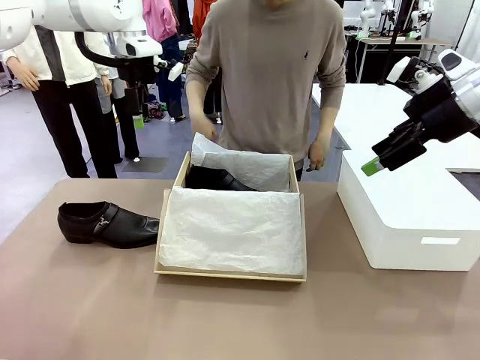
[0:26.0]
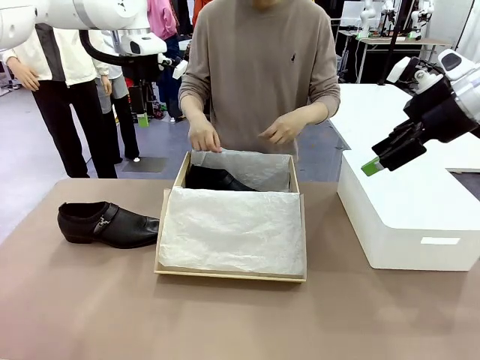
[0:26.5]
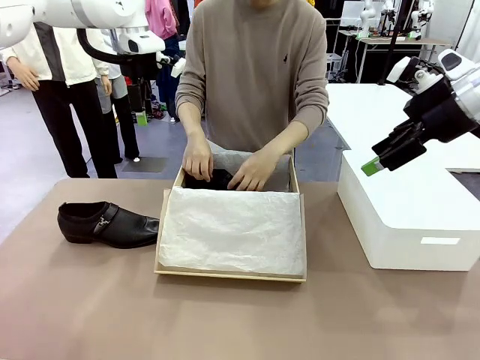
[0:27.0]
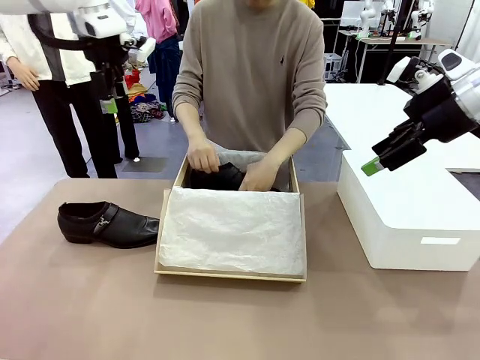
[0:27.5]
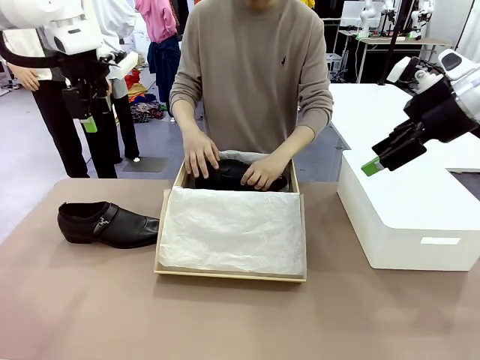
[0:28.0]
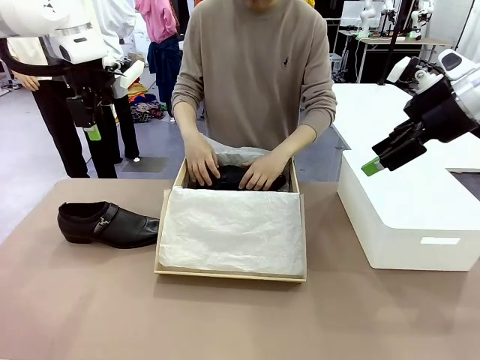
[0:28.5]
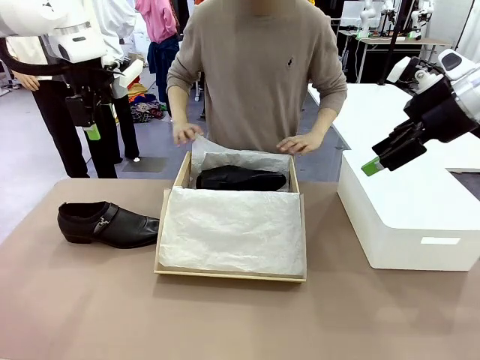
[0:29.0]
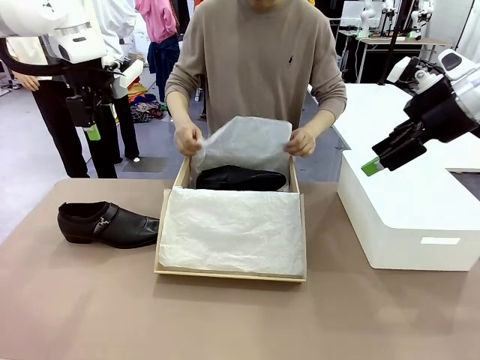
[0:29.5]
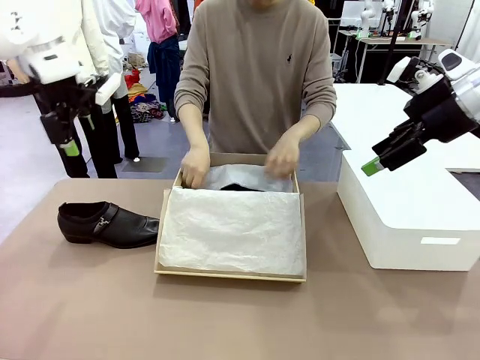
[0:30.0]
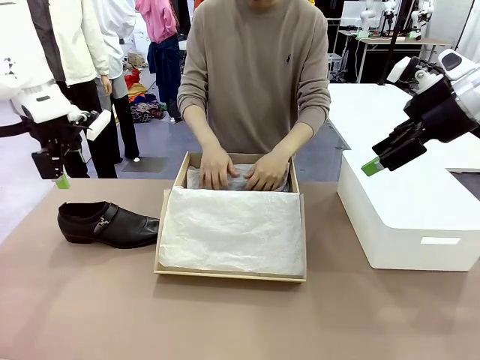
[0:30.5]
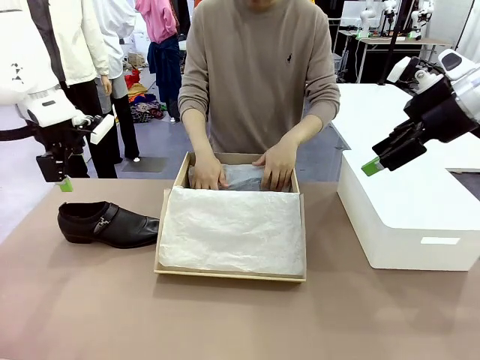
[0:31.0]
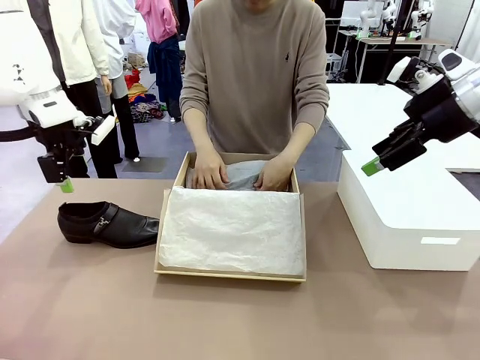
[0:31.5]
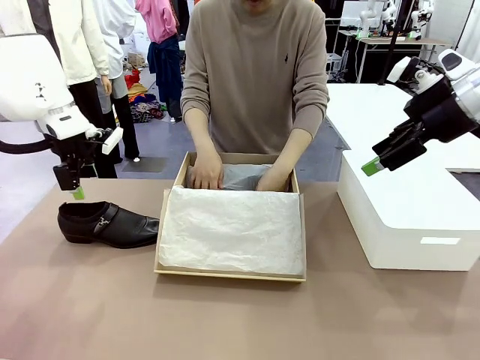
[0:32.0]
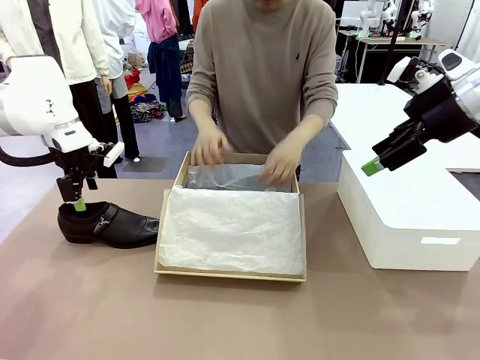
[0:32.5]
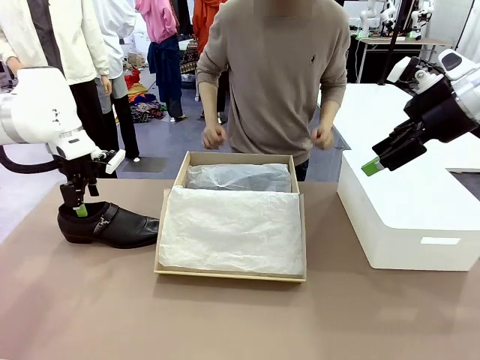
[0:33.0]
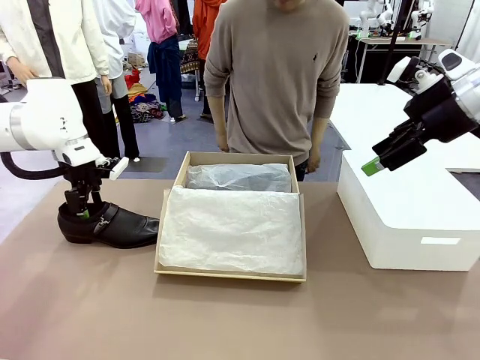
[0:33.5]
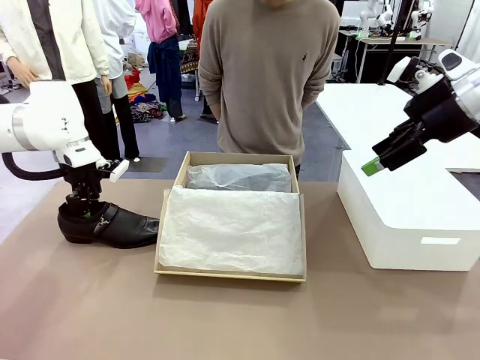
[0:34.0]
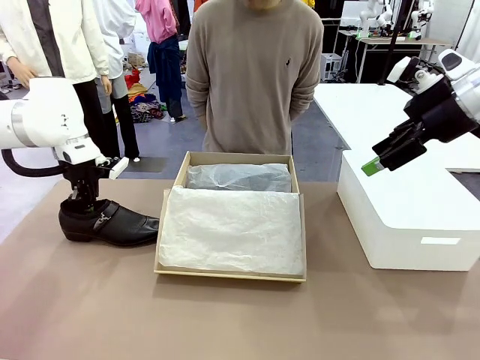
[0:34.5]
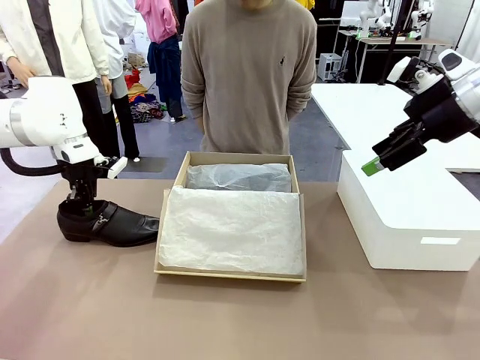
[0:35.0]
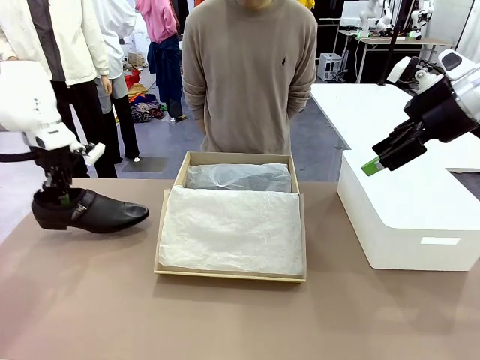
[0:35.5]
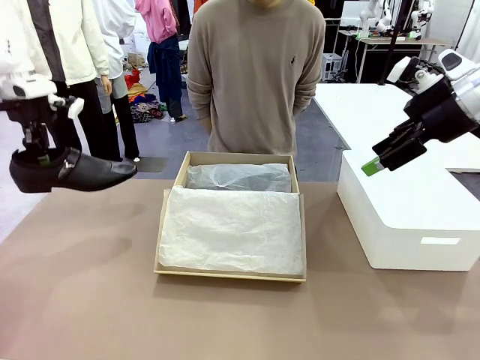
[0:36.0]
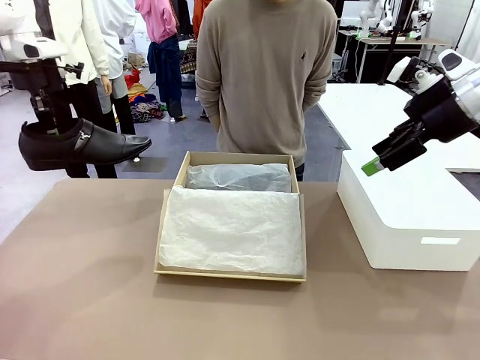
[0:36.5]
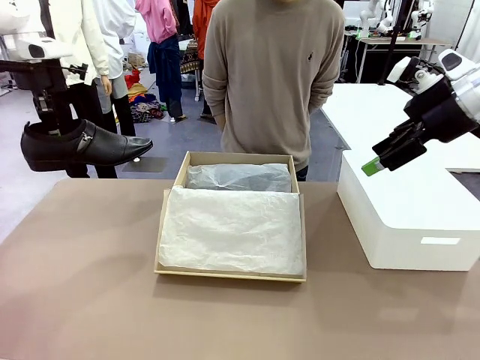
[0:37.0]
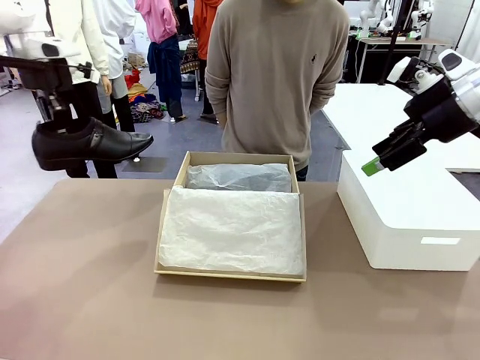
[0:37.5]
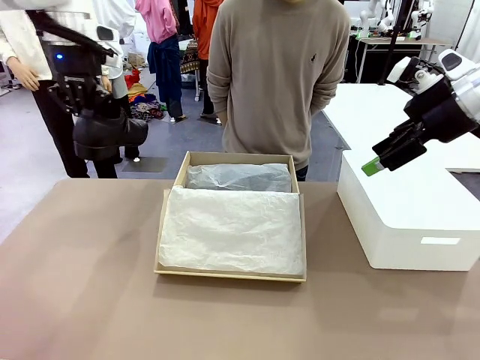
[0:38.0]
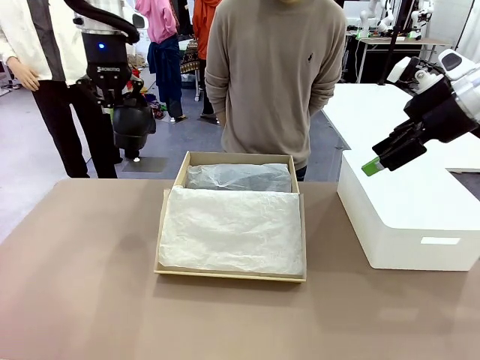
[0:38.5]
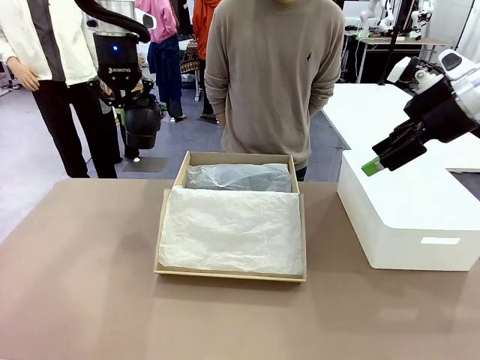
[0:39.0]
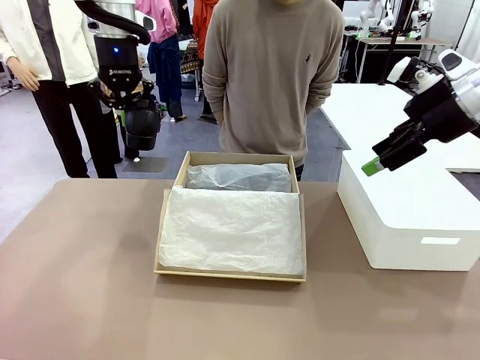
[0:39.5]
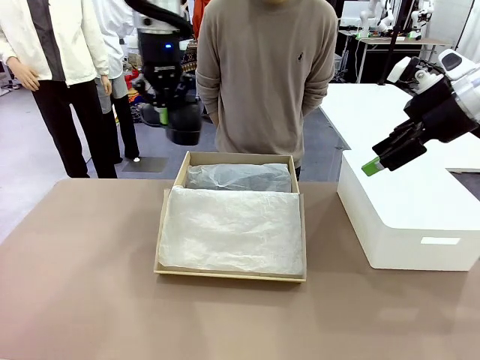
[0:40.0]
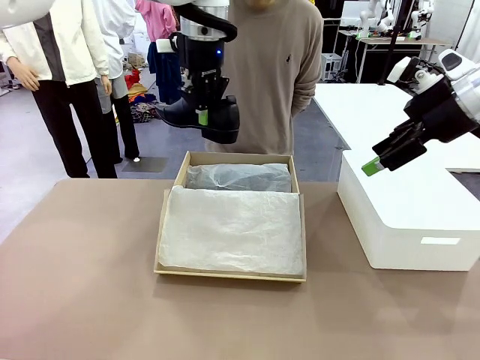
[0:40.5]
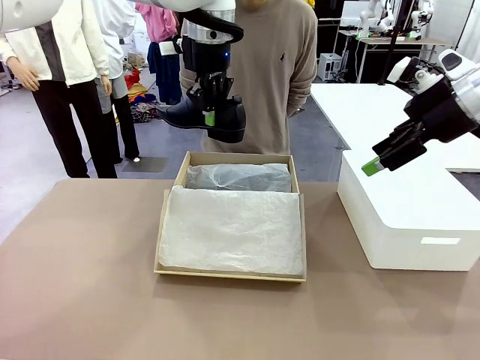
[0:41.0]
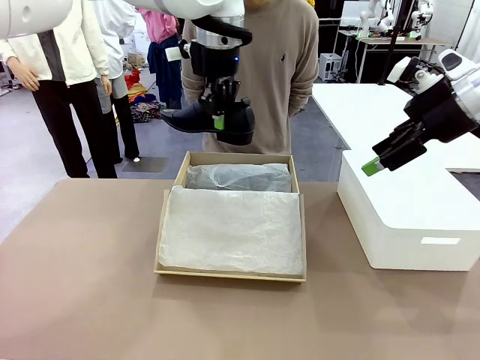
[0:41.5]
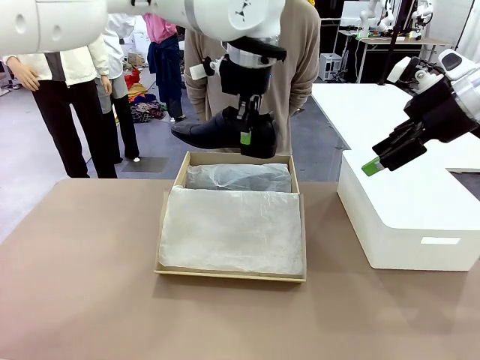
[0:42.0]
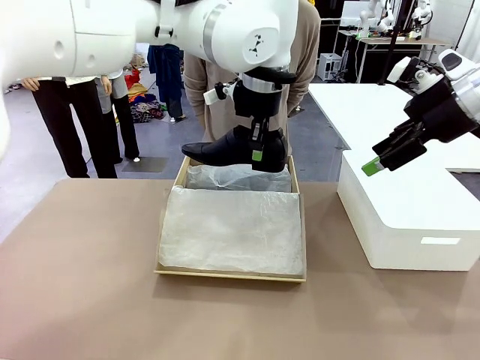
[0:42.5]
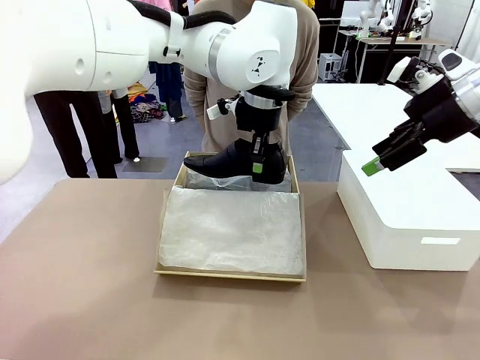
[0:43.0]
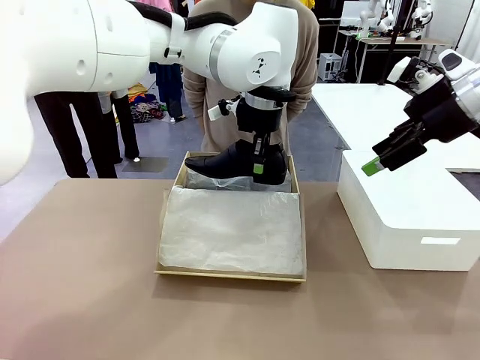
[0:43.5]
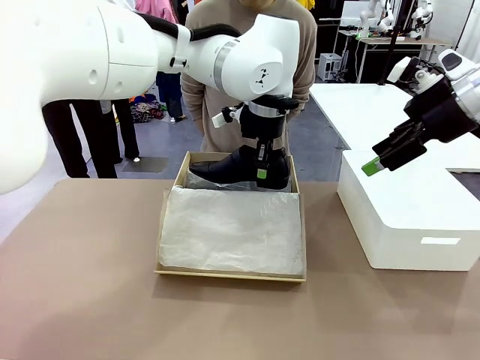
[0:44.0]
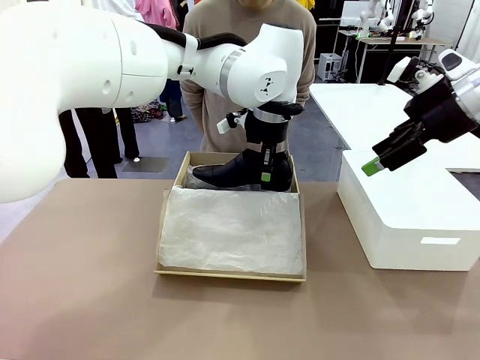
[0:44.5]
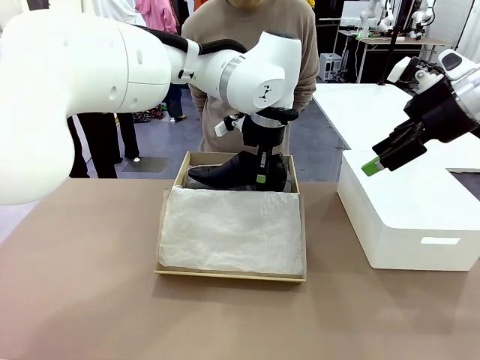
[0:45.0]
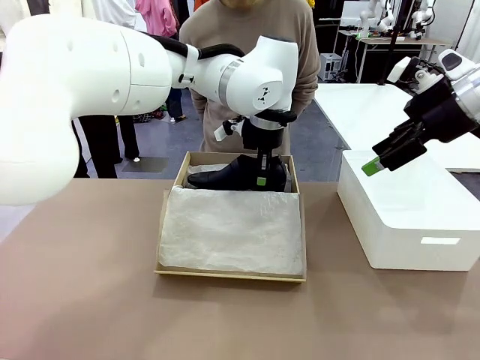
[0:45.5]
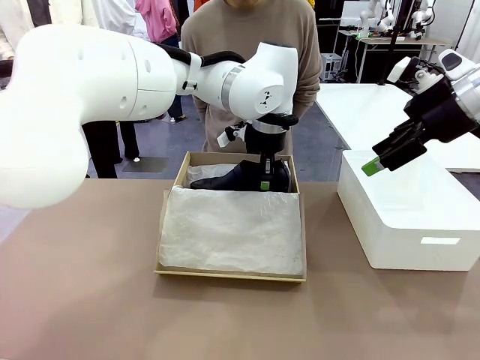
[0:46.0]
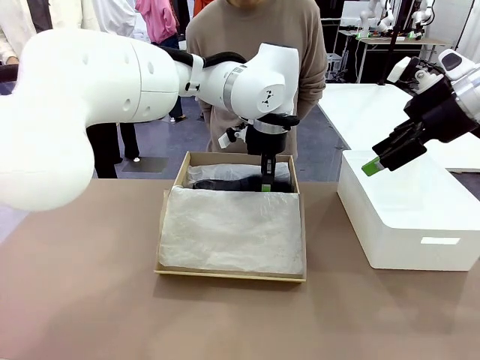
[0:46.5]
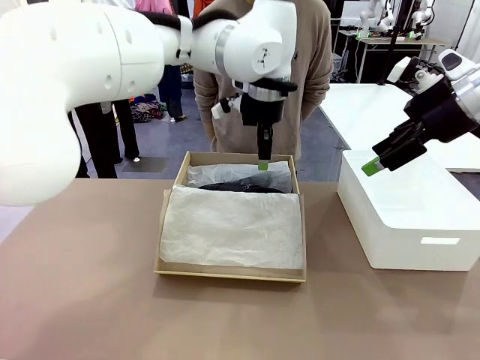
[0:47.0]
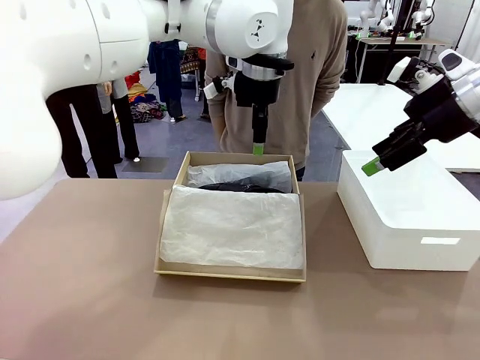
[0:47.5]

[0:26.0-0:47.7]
Task: Pack the shoes into the box.
Robot: Place the other shoe of the Shoes into the Shoes Box.
Person: Pack a shoe of Shoes inside the Shoes Box with Shoes Wrapping Paper.

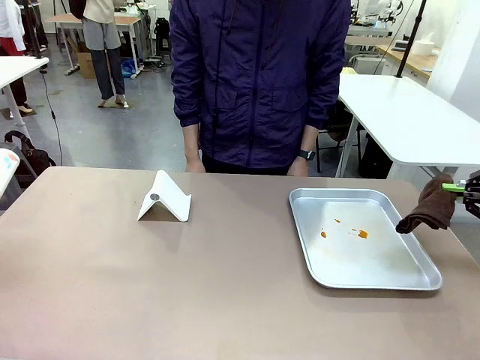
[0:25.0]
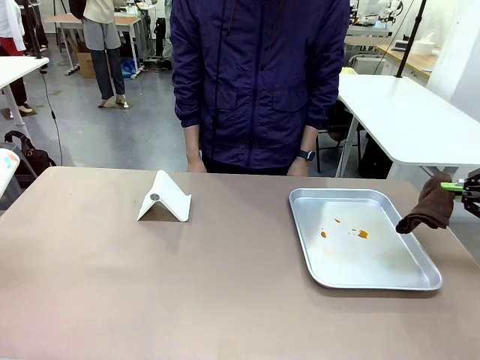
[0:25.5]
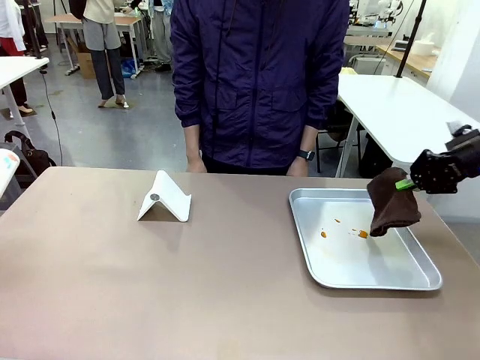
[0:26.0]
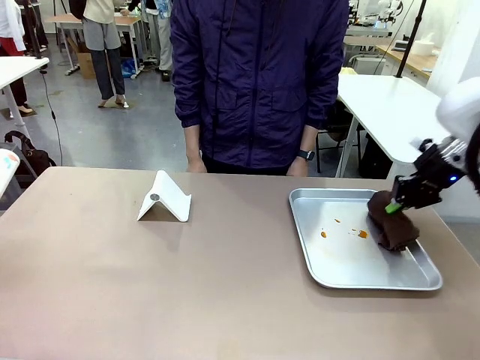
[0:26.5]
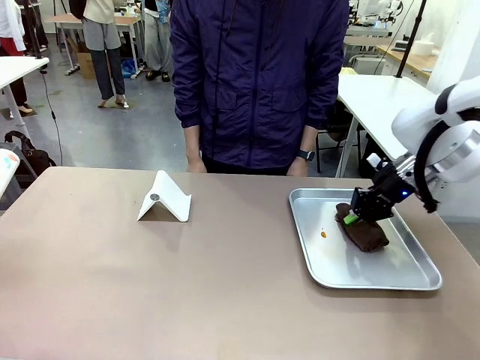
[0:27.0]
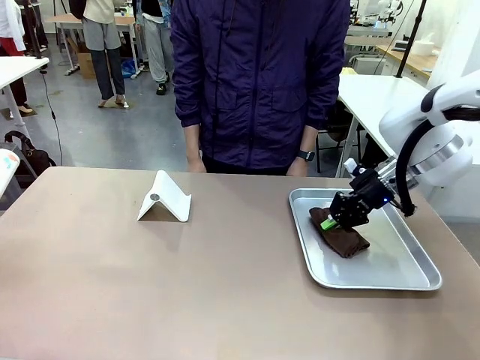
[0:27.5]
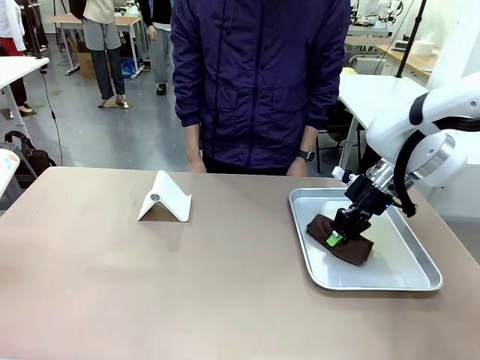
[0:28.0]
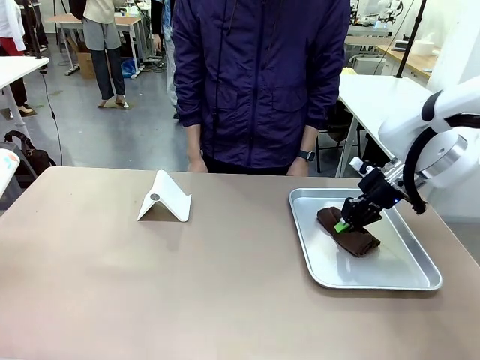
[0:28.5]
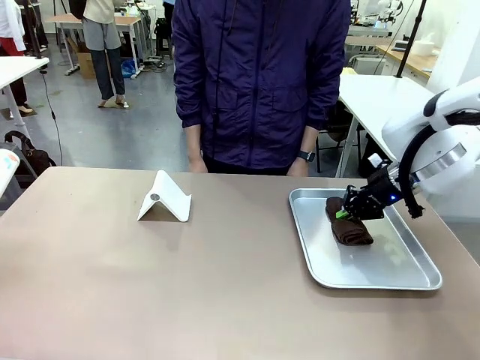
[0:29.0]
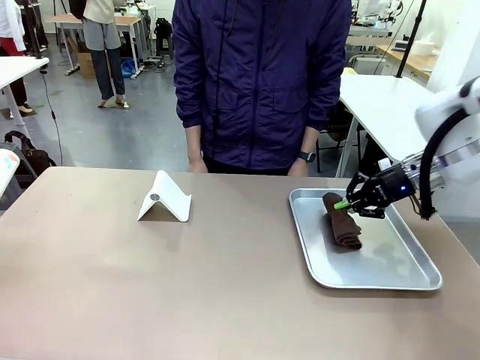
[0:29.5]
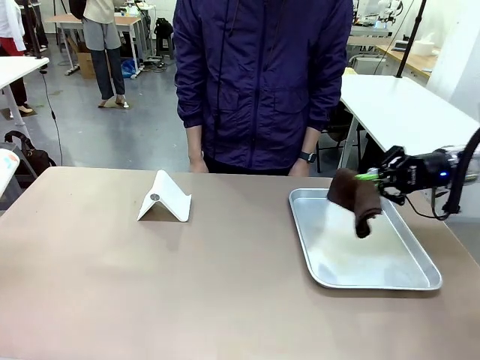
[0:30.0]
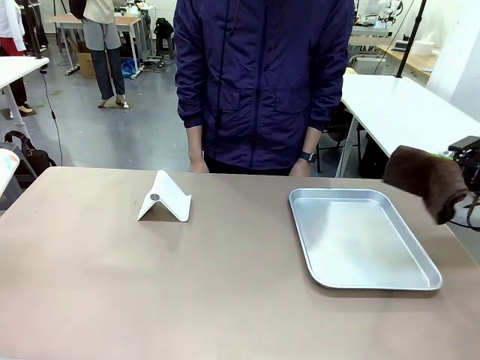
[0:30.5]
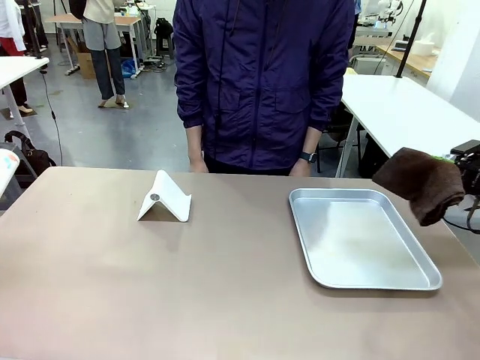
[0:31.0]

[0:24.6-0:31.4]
Task: Clean the surface of the table.
Robot: Clean the area not pointed to by the person.
